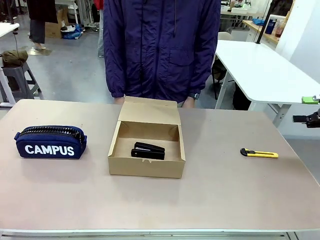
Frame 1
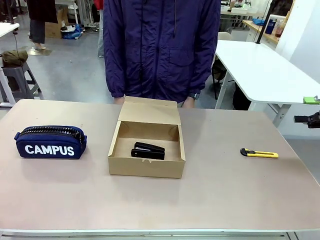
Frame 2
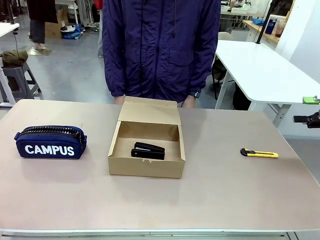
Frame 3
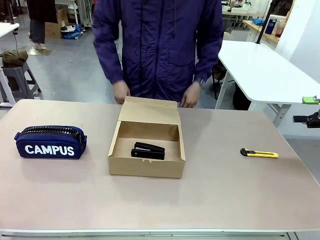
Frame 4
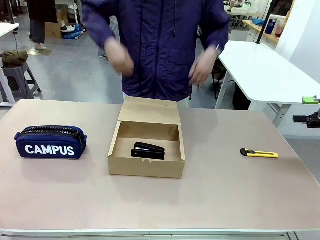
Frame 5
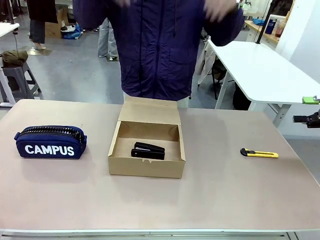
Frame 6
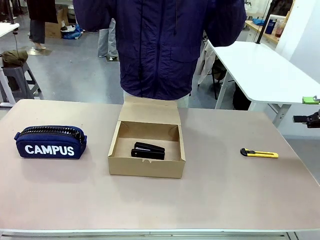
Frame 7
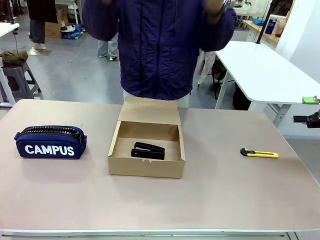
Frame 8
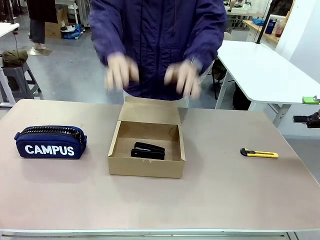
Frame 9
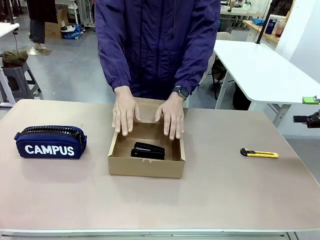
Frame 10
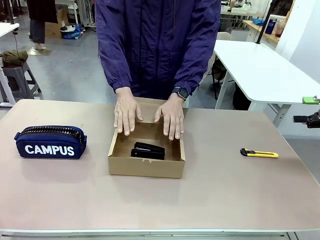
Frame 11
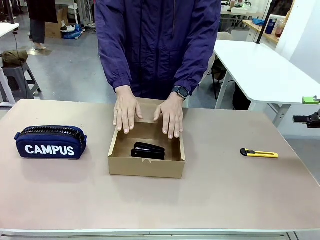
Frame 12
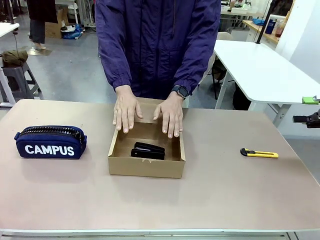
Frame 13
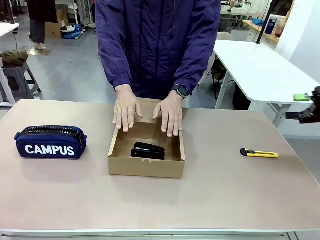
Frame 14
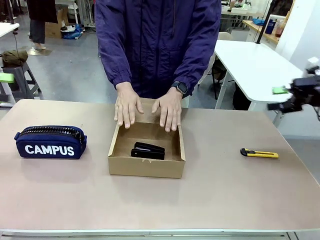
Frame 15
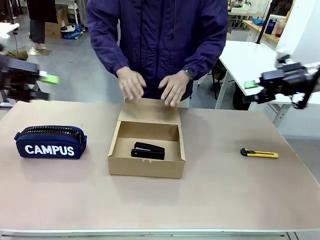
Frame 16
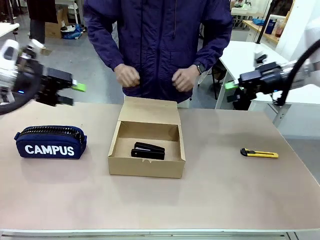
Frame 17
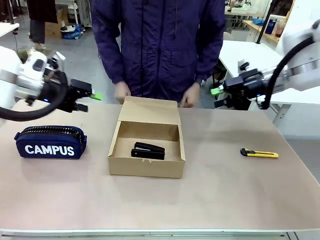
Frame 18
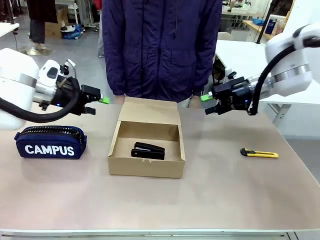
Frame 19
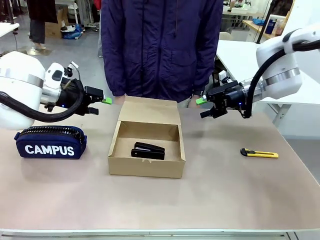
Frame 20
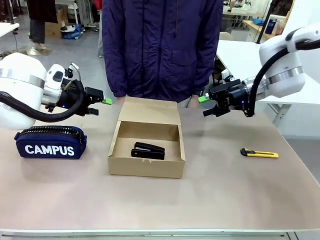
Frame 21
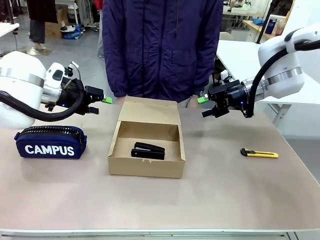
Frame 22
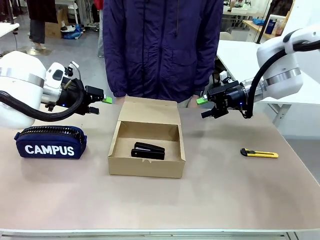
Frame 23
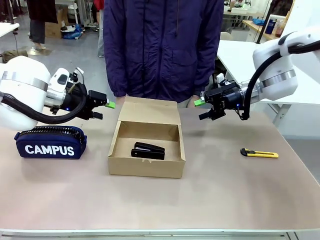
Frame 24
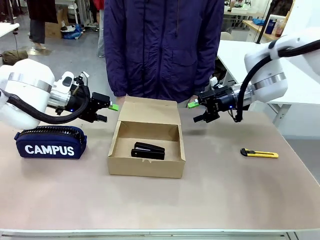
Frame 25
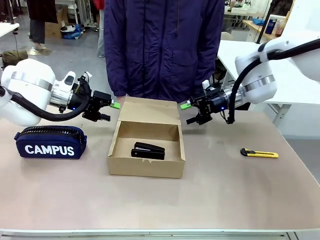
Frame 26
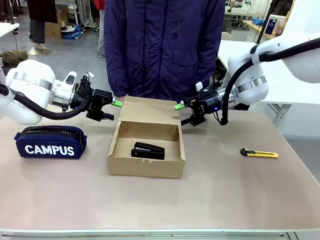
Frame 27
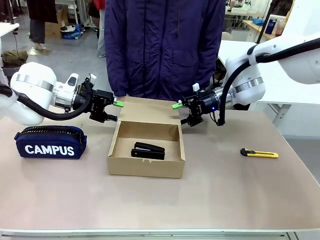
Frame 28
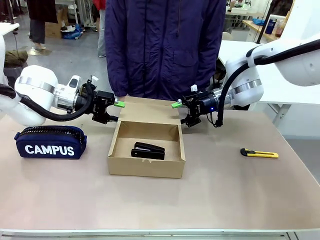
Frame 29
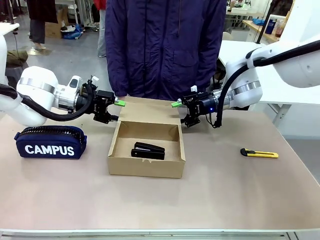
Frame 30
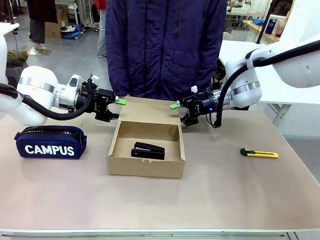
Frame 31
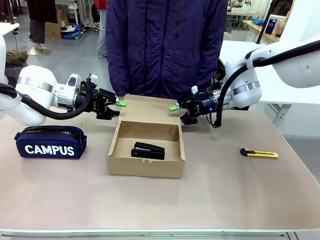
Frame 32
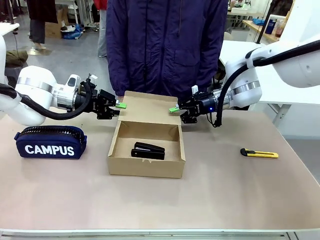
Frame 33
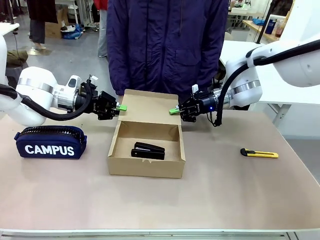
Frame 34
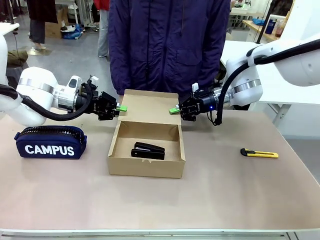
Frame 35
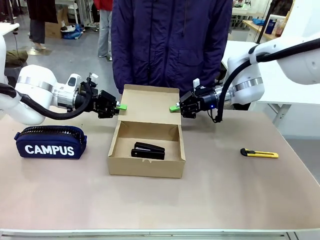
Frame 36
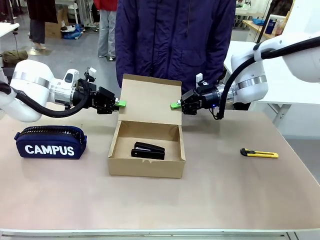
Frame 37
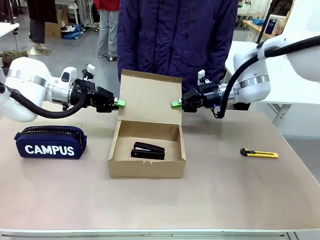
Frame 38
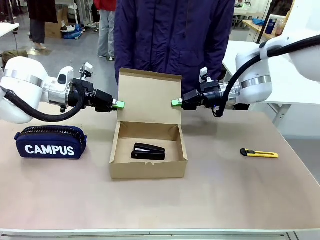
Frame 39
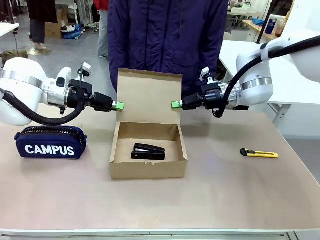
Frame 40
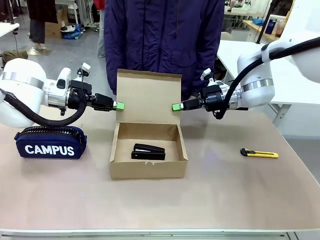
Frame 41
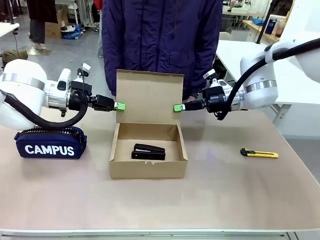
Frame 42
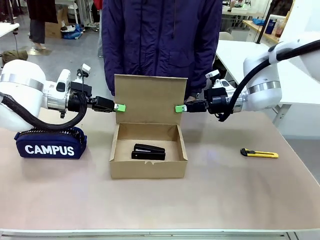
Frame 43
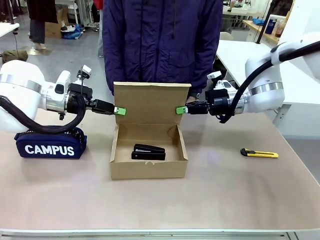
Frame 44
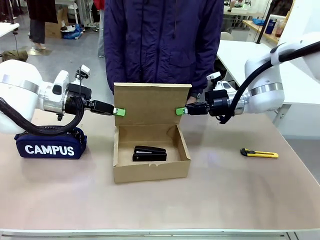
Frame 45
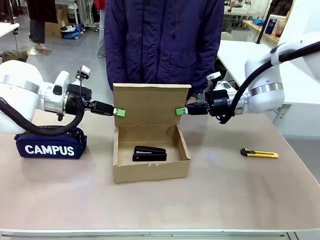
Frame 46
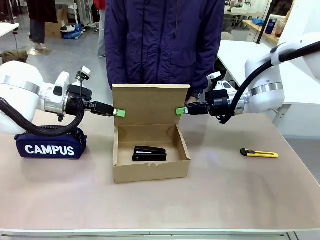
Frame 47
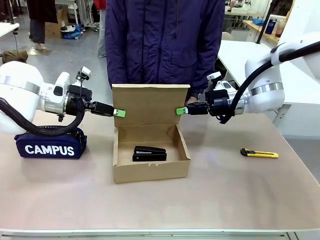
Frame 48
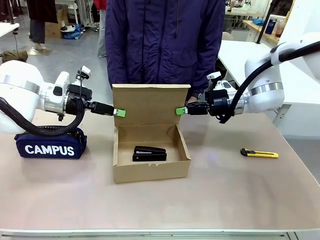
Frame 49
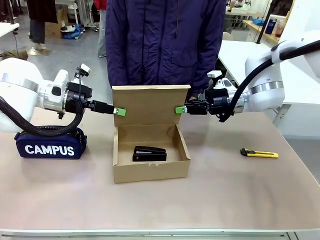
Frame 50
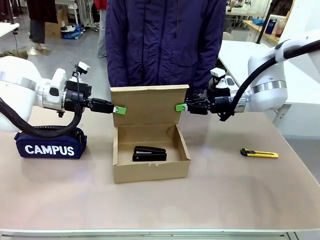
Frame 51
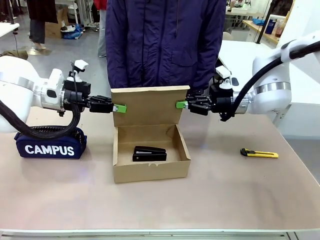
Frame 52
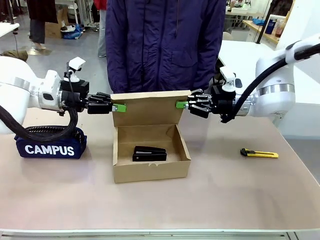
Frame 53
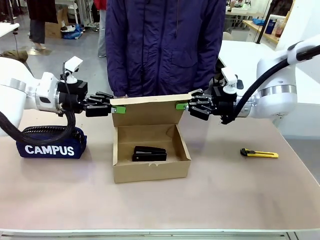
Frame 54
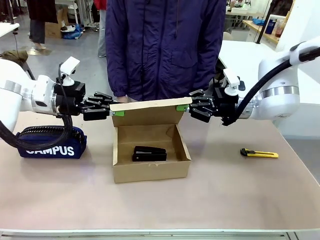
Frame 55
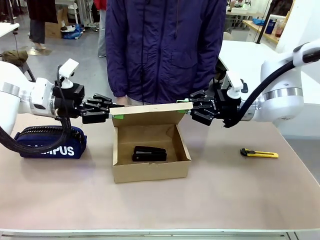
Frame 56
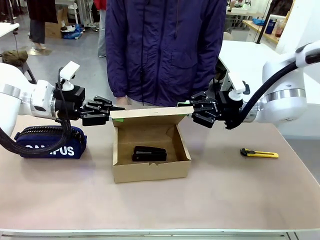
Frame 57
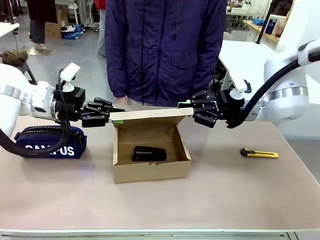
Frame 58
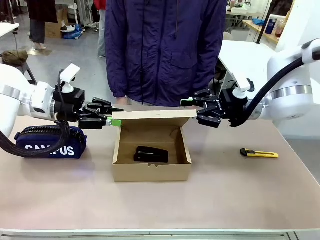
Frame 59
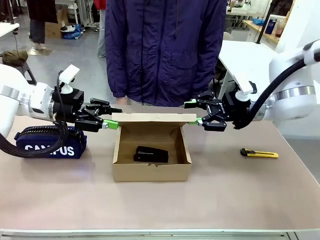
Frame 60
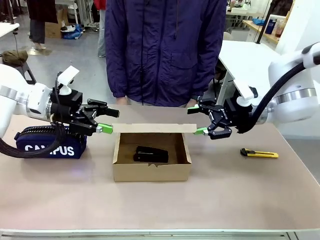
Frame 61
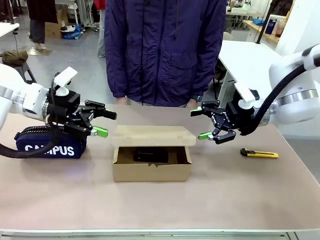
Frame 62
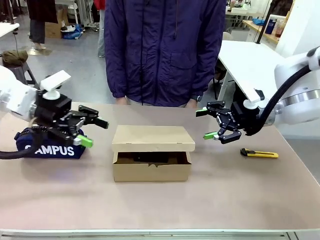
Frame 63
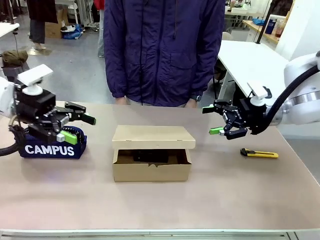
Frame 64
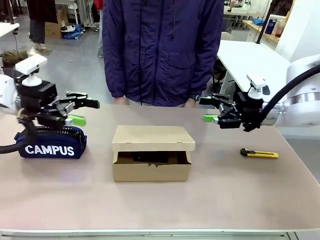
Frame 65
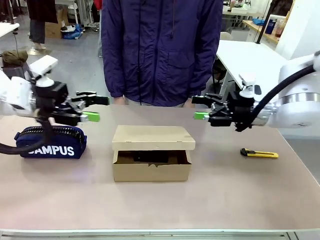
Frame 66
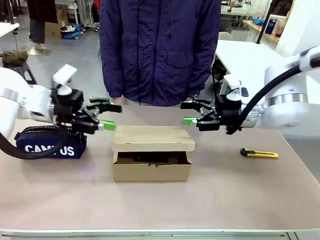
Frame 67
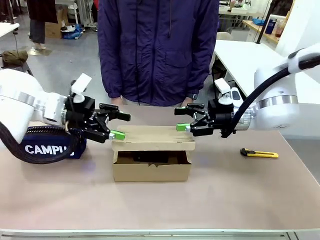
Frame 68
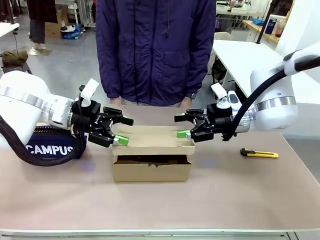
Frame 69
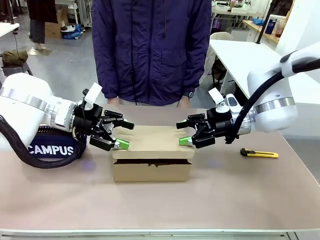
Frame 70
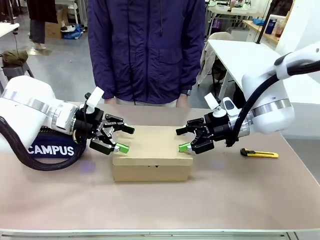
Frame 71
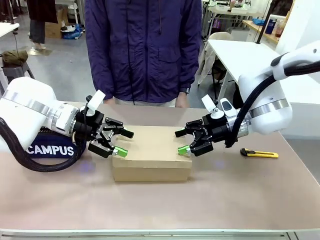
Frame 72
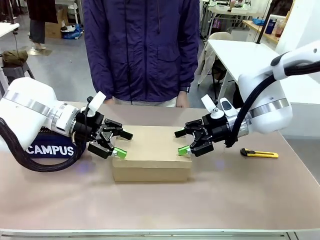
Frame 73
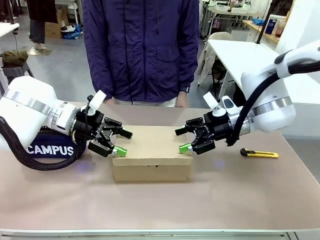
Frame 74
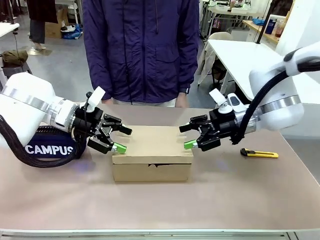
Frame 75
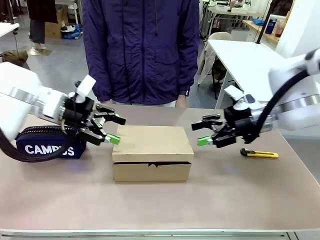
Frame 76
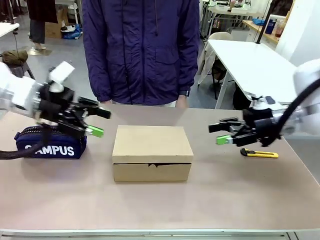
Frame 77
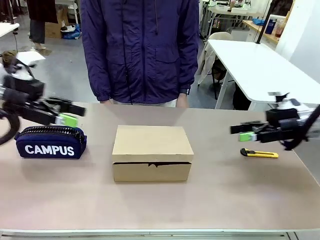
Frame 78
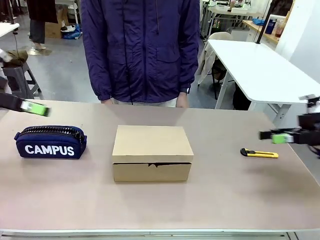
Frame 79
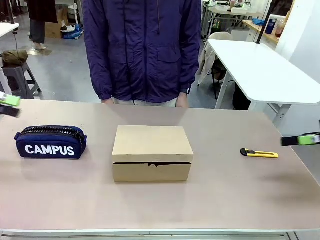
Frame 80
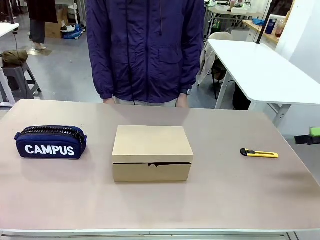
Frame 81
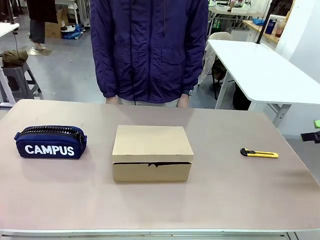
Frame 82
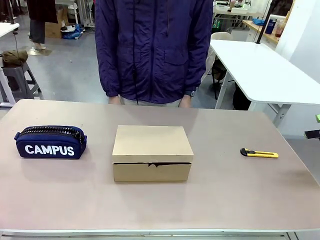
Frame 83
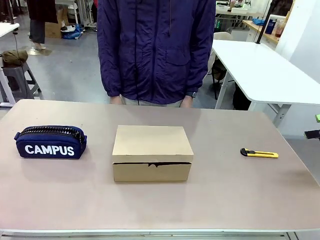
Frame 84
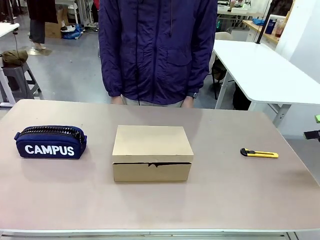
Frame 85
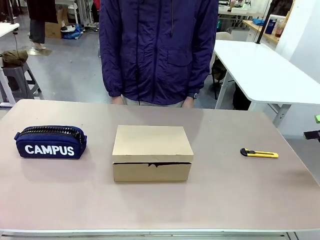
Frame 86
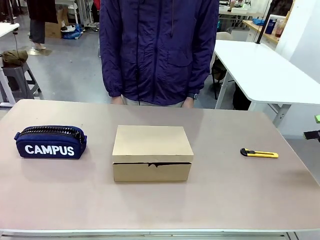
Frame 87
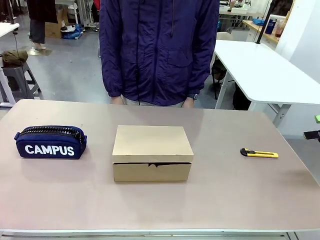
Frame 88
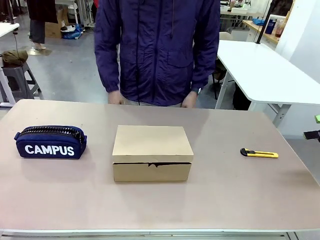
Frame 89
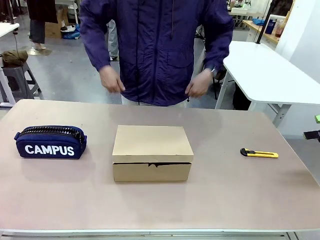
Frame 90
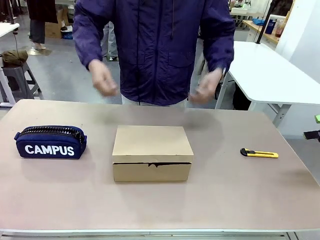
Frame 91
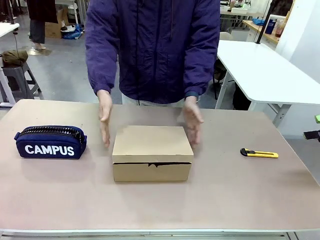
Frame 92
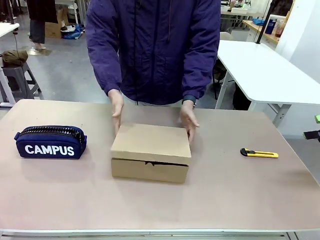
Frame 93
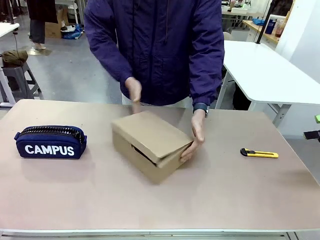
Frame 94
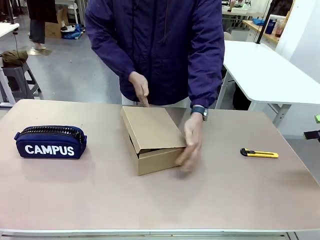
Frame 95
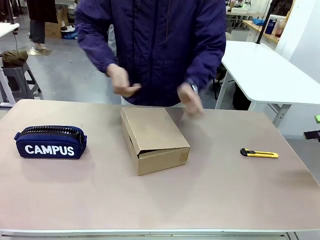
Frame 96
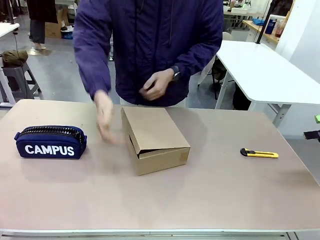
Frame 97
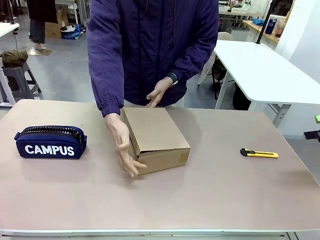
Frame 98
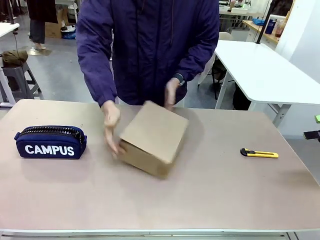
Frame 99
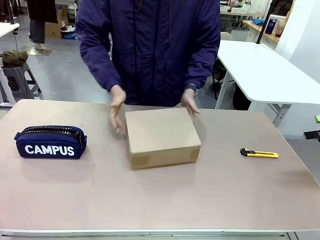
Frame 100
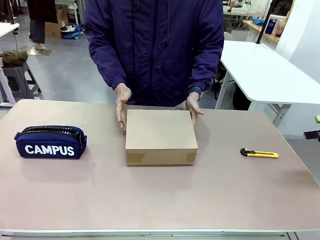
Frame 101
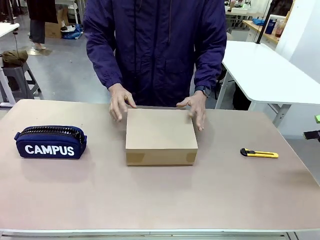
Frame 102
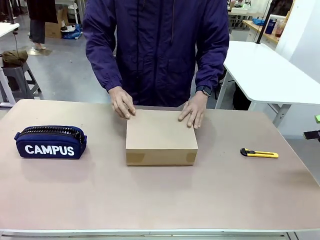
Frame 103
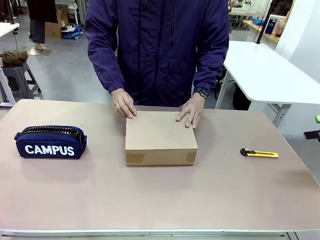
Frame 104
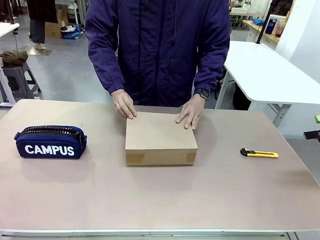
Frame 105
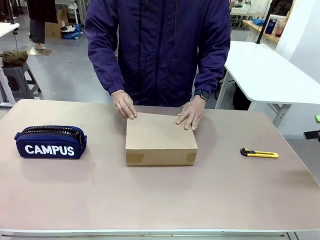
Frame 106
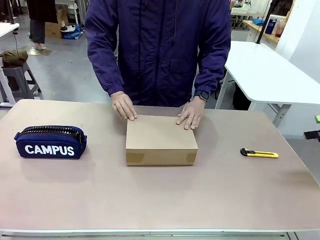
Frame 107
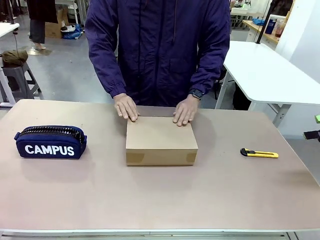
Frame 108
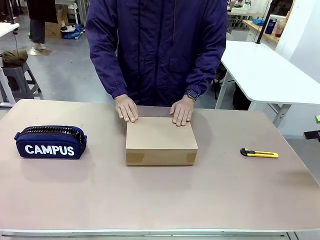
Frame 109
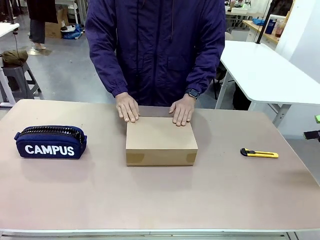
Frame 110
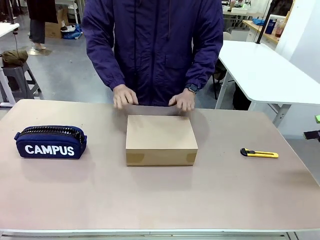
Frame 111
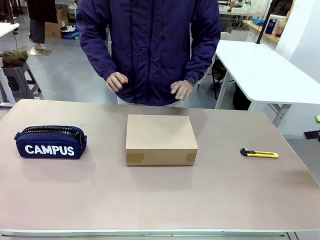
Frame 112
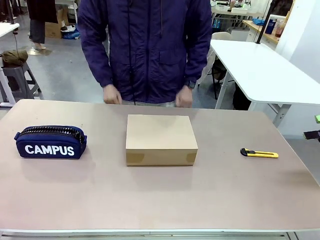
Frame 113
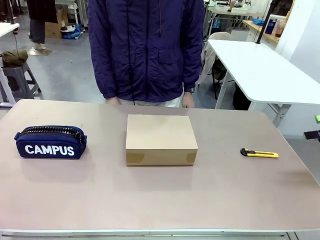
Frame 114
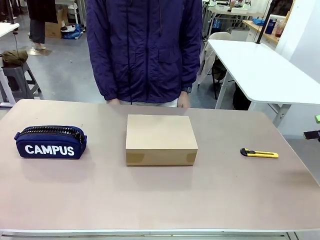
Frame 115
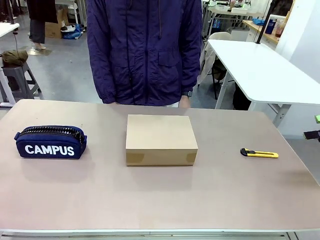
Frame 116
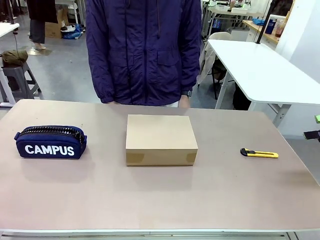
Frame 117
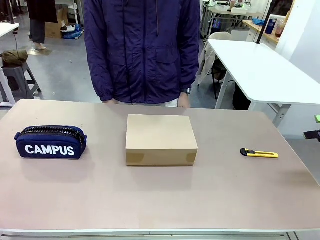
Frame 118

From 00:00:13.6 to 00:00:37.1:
Task: Pack the item into the box.
Robot: Close the Mailer Box.
Person: Lower both hands vertically with palms facing downward, as if pressing something closed. Turn the box and lock it.
